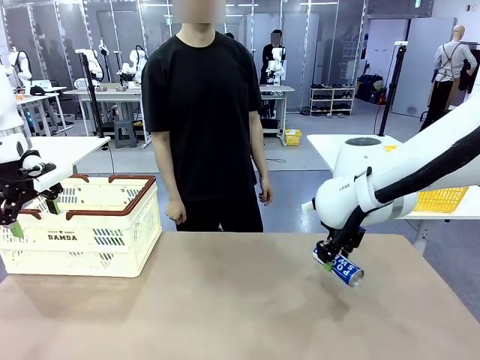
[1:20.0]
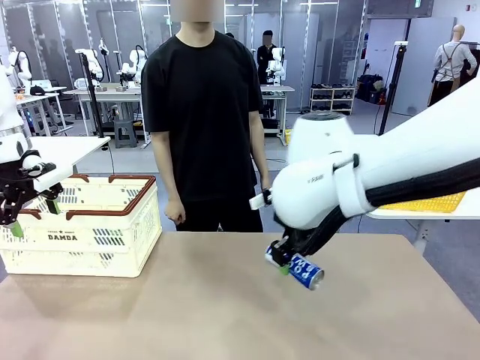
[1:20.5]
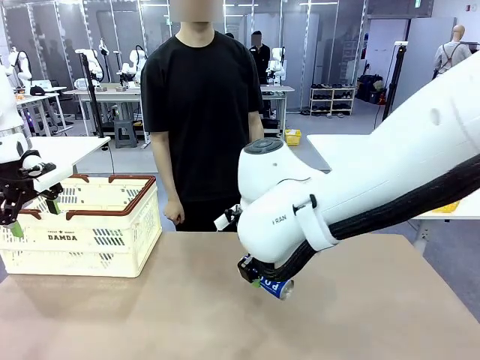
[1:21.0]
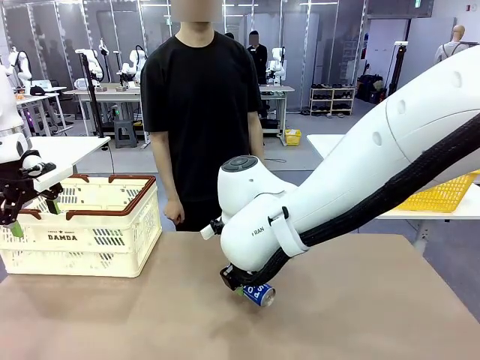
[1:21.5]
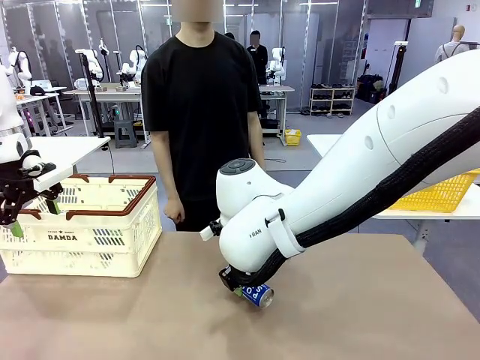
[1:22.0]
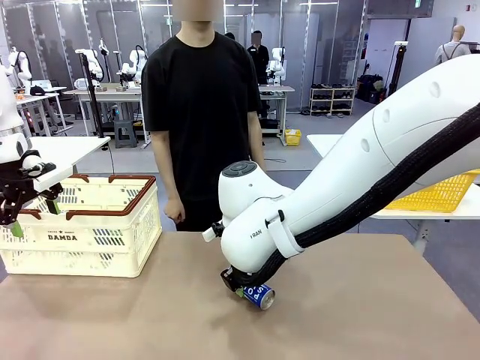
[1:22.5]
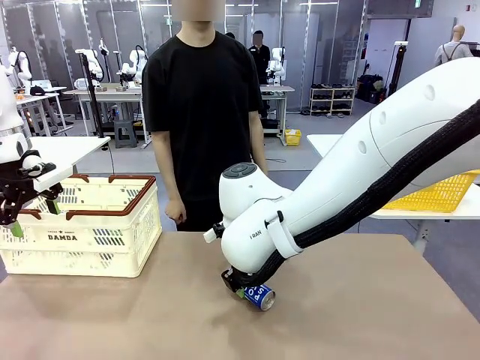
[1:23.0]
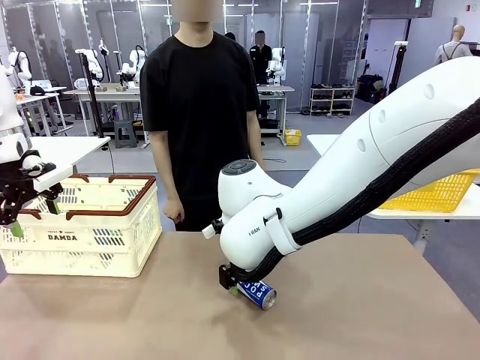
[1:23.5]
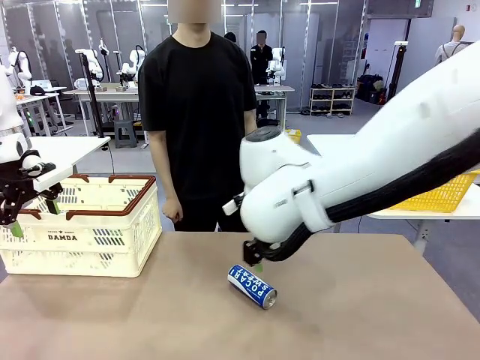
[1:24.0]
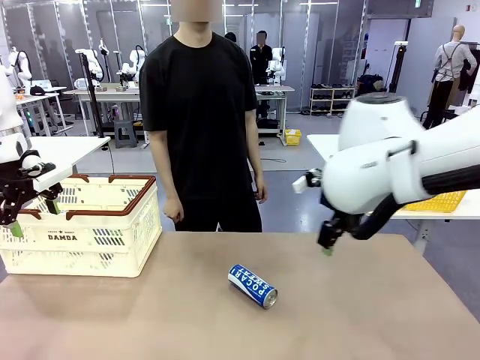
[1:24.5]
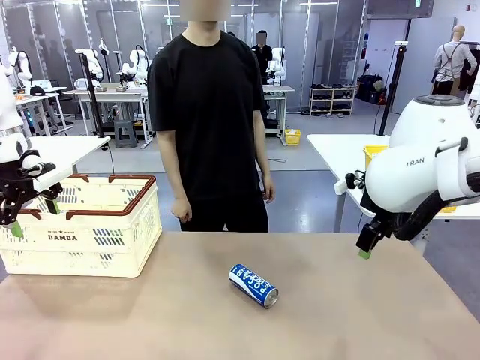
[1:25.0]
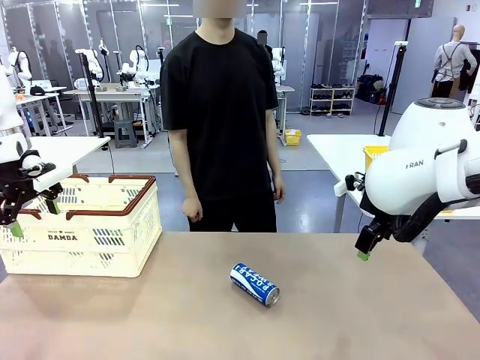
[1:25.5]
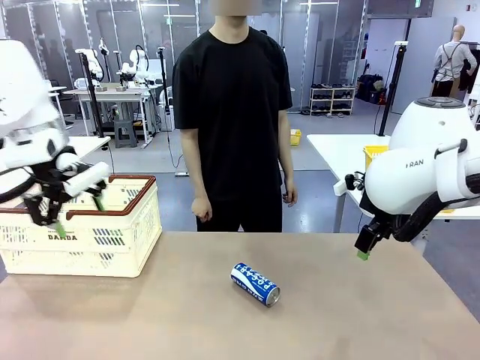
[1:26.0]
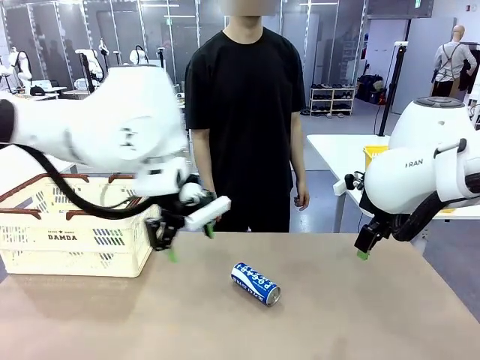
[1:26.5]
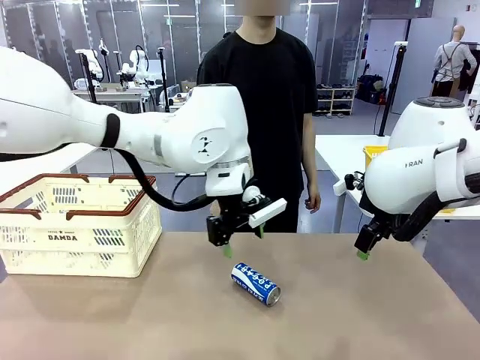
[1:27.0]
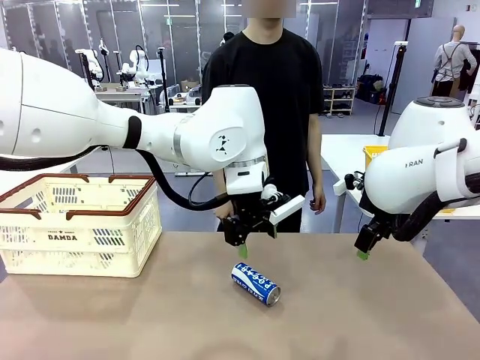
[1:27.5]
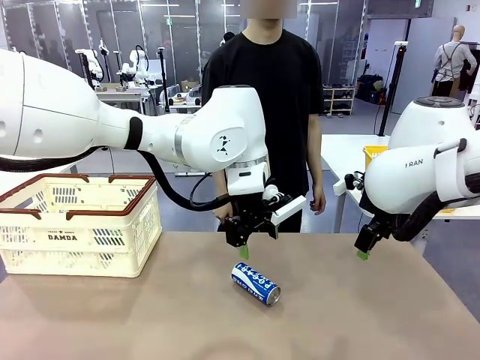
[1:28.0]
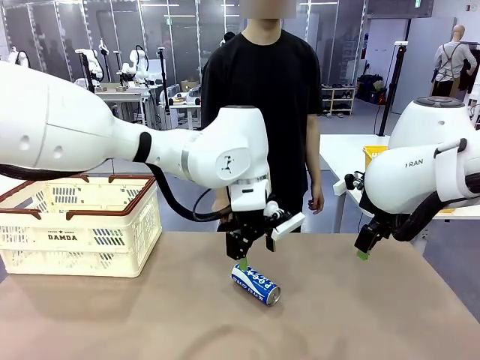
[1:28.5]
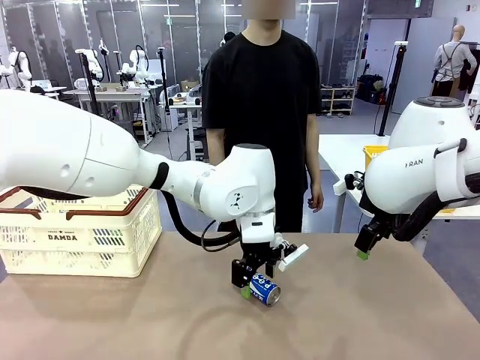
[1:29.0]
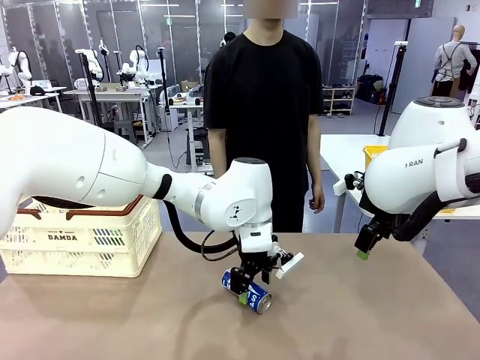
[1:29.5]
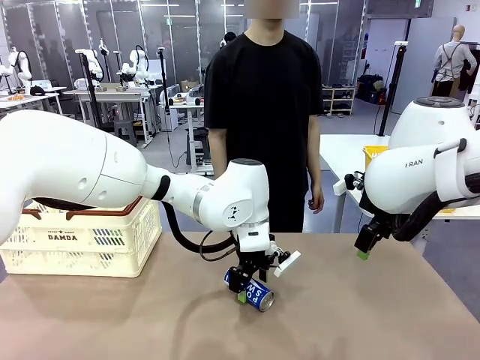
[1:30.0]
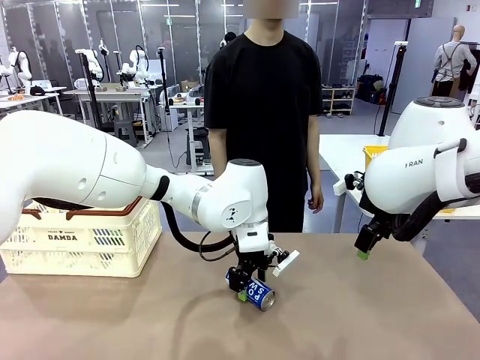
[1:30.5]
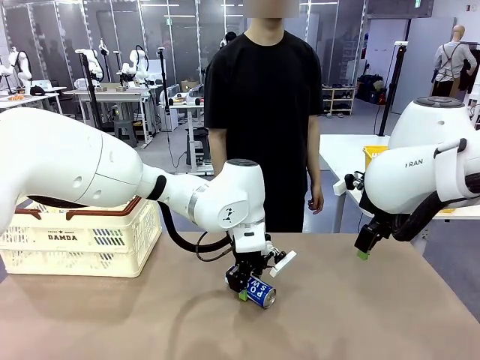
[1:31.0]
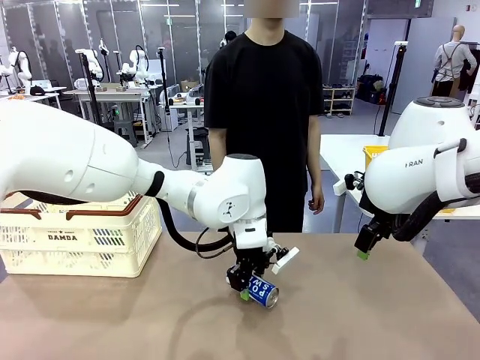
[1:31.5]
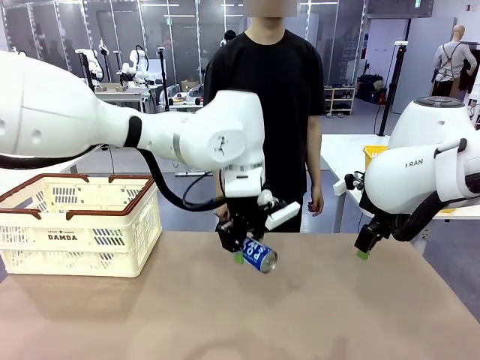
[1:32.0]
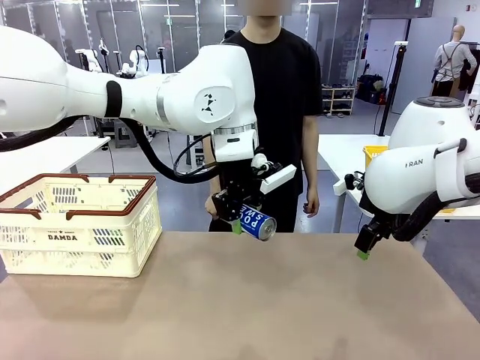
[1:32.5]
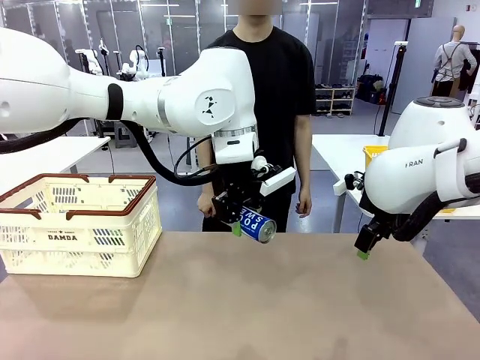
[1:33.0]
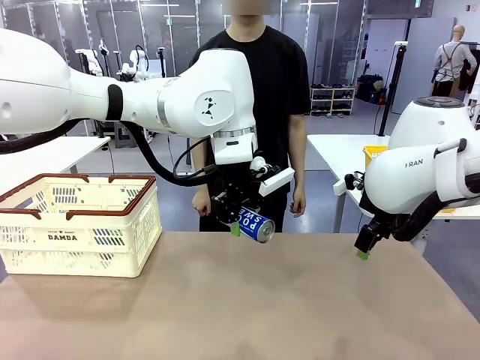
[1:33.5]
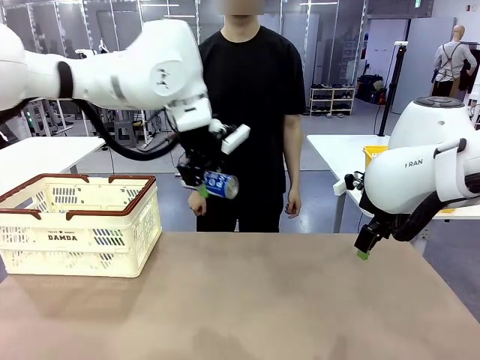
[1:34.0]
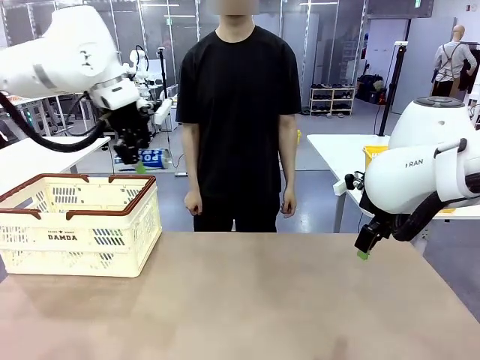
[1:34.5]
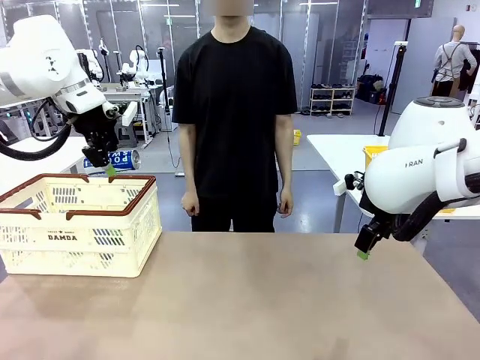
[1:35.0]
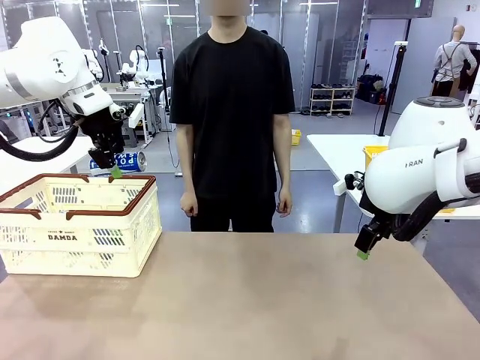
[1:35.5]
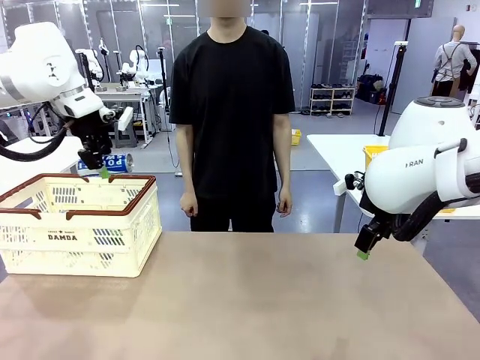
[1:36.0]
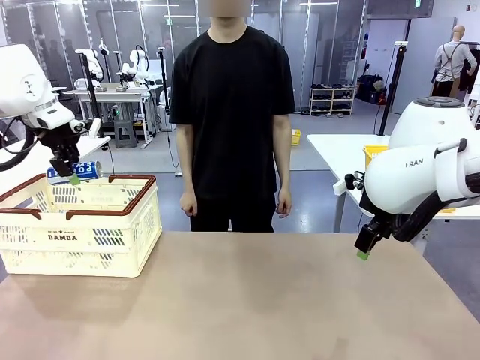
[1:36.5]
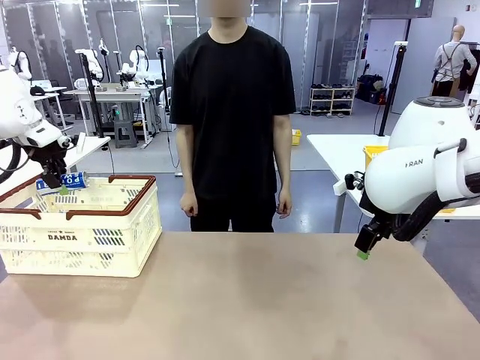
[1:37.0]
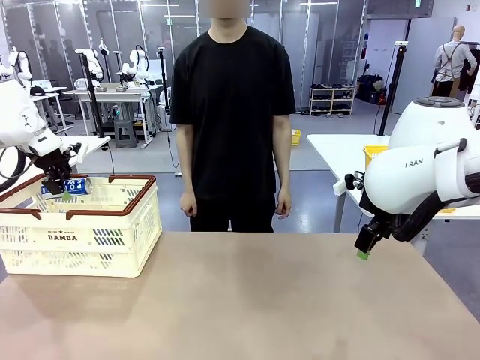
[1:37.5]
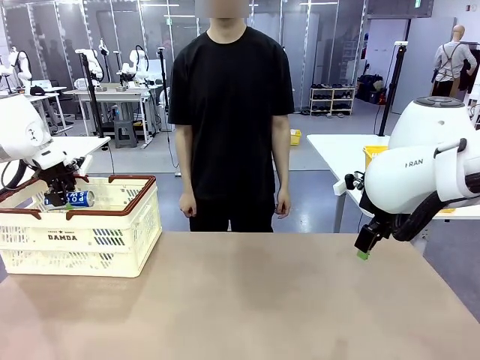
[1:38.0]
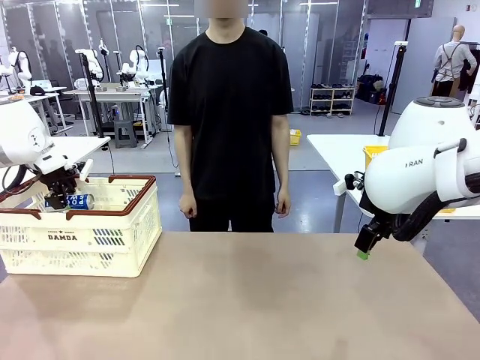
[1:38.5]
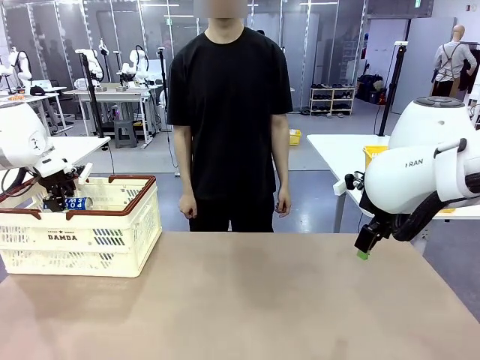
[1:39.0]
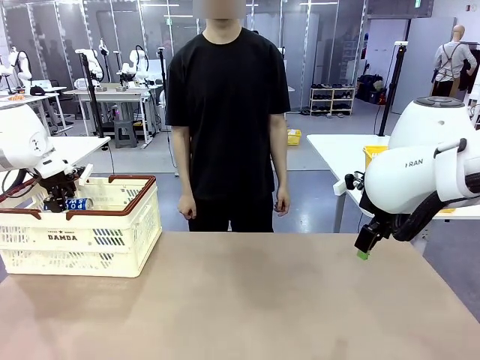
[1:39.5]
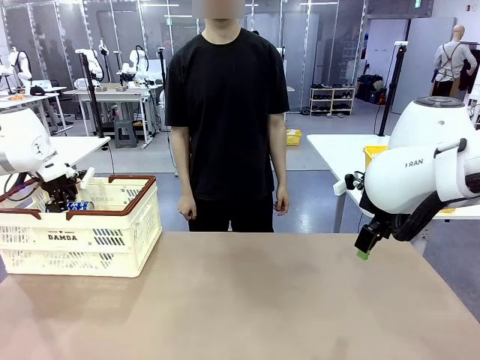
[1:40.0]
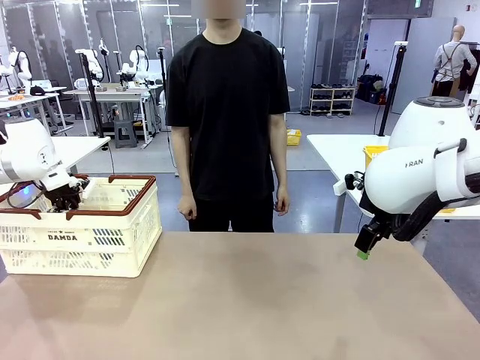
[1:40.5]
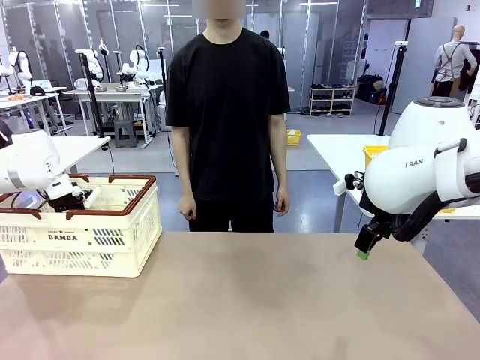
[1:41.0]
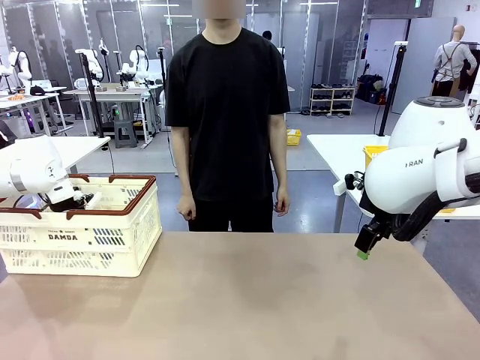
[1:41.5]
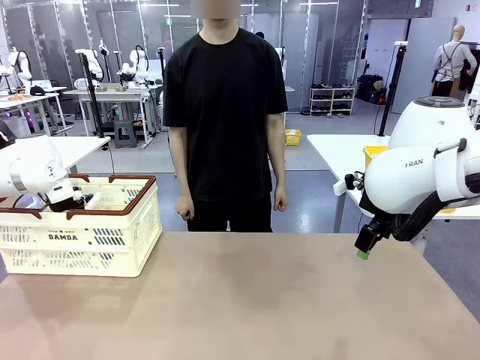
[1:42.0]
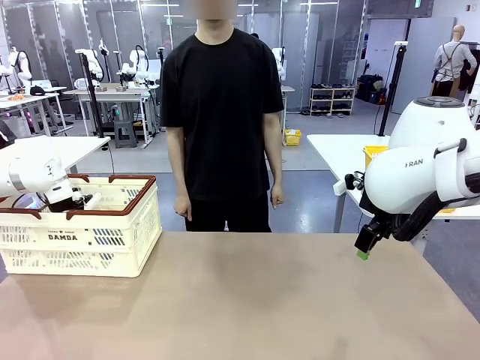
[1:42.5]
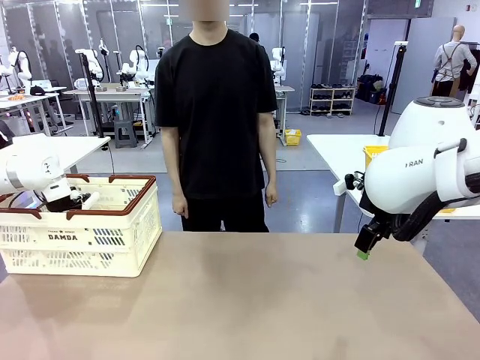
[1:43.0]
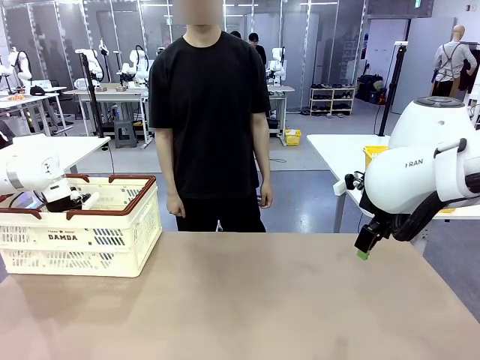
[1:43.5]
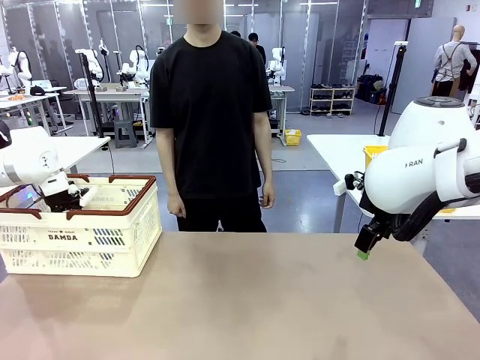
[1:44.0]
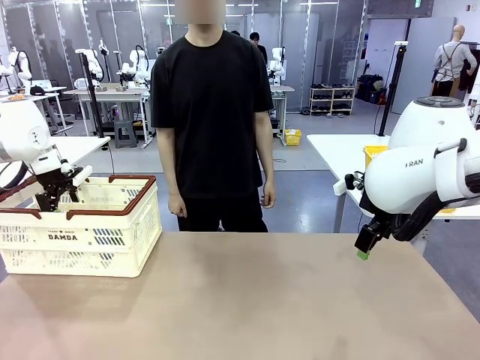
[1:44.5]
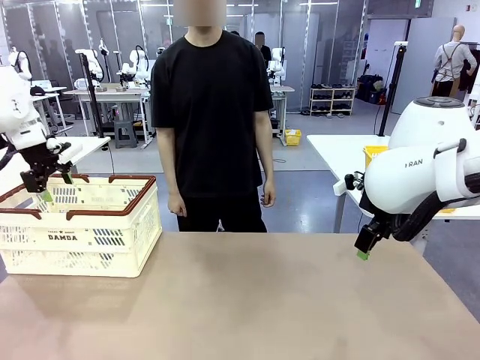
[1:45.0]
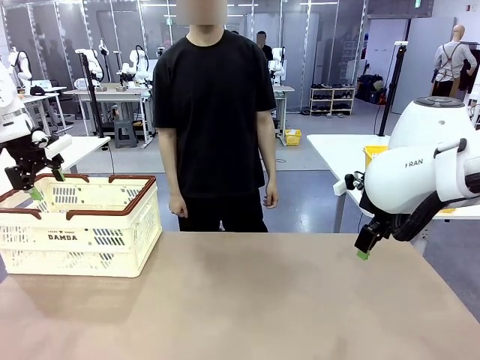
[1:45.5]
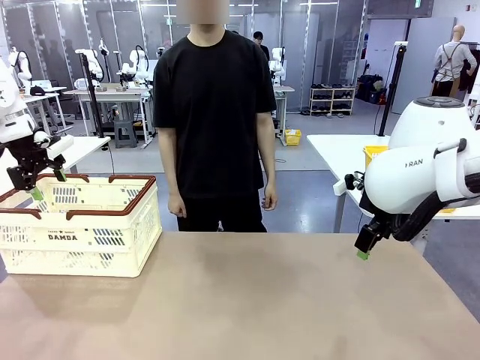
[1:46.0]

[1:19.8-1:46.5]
Task: Place the drinks into the Shopping basket.
Robot: Pick up one drink and place it into the Shopping basket.
